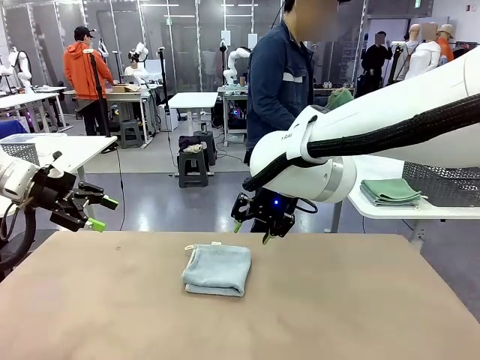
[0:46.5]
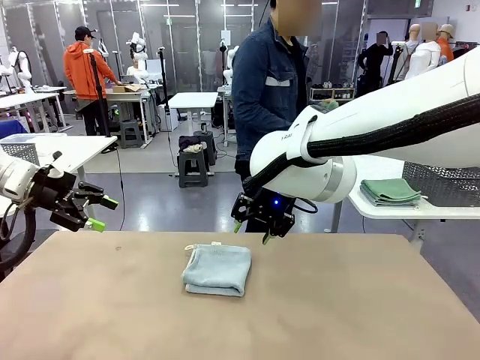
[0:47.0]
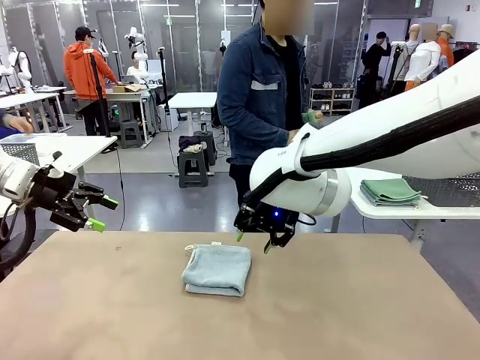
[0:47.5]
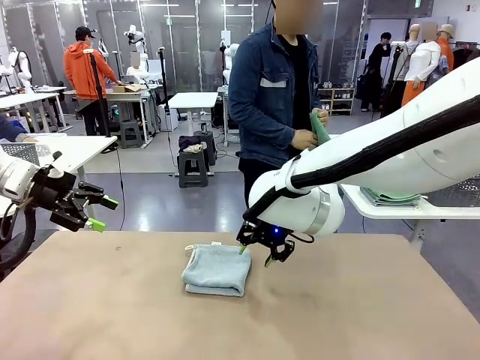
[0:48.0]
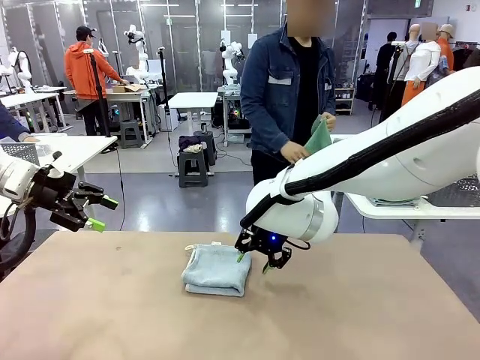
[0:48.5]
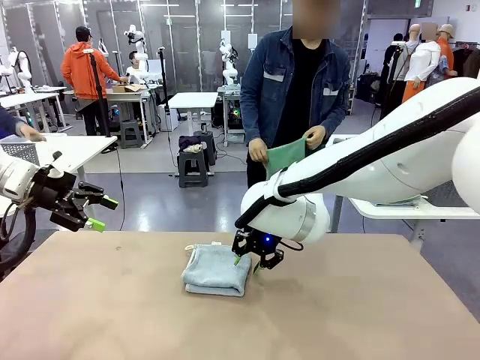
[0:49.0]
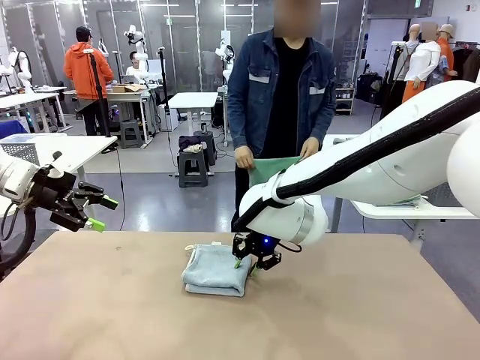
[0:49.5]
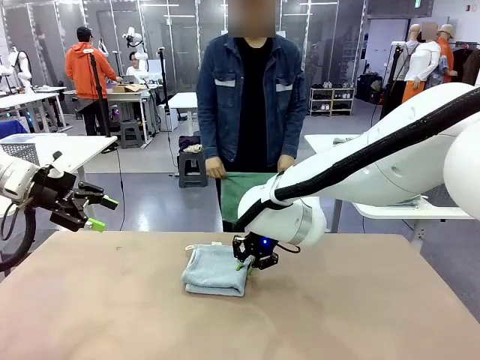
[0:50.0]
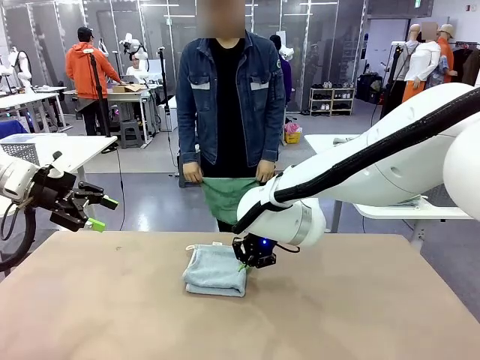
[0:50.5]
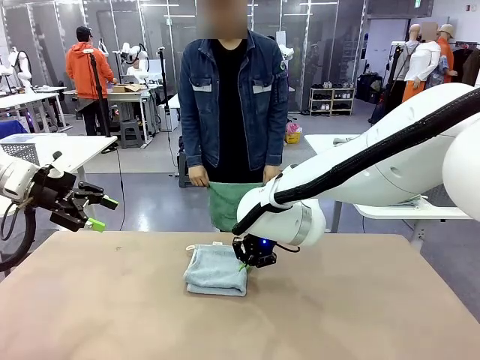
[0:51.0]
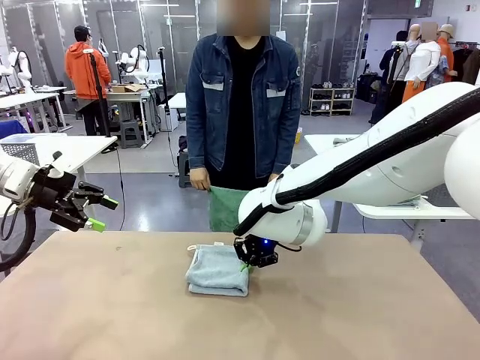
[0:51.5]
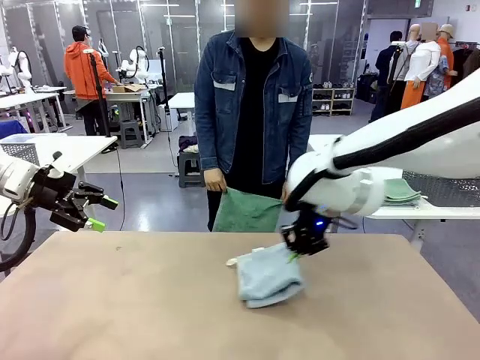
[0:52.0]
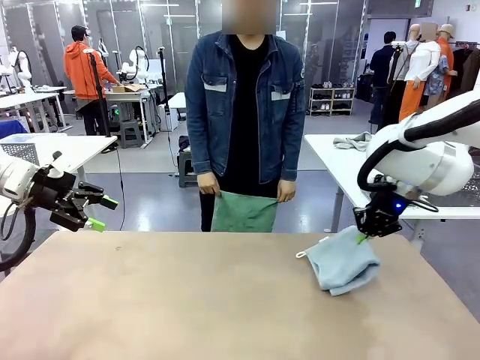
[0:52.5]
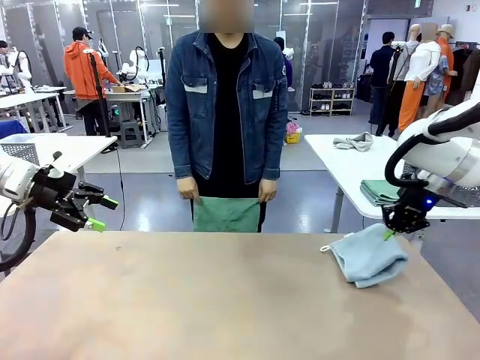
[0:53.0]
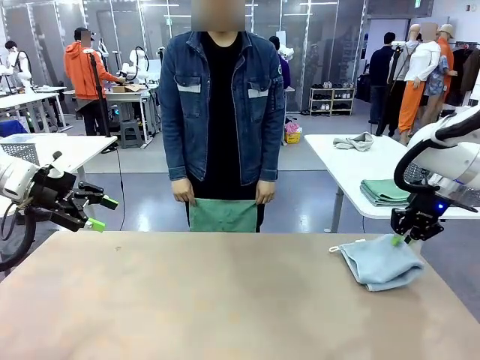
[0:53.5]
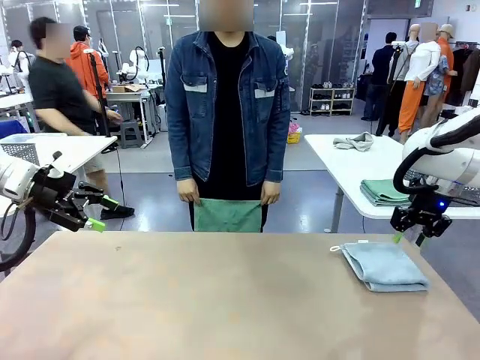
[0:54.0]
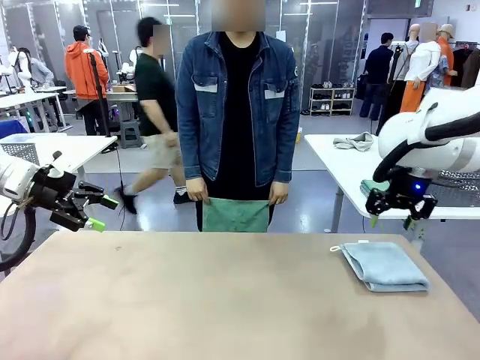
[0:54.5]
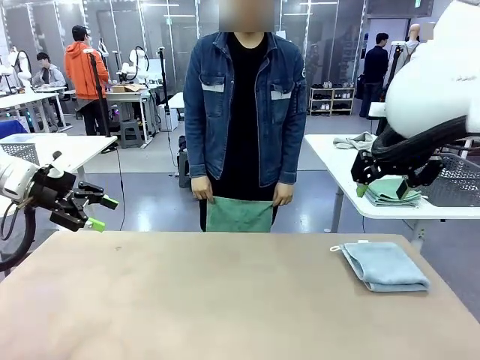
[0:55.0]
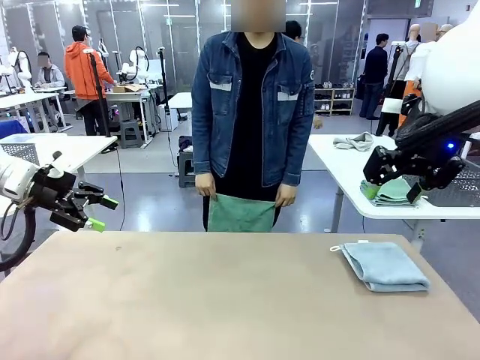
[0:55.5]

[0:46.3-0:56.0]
Task: Fold the towels and place them in the basket.
Robot: Place the folded Towel with hook on the right side of the table.
Person: Pick up one towel from the left side of the human table and spread it out at the center of the robot table.

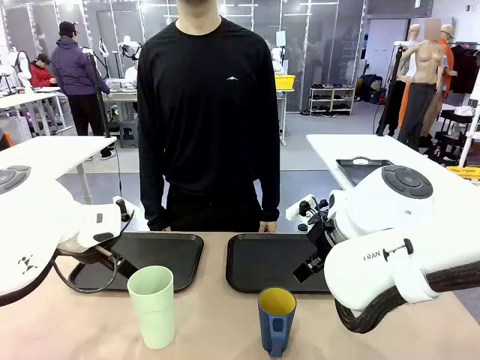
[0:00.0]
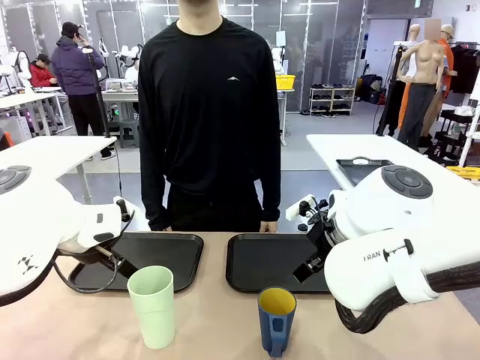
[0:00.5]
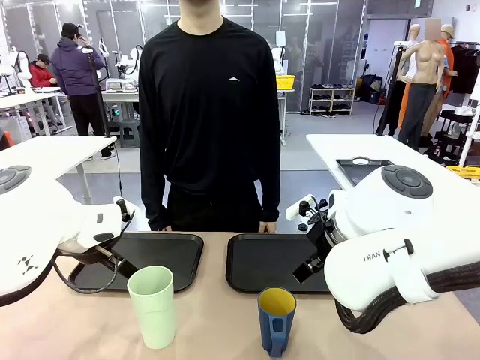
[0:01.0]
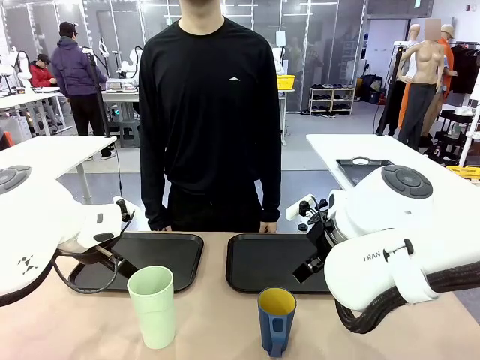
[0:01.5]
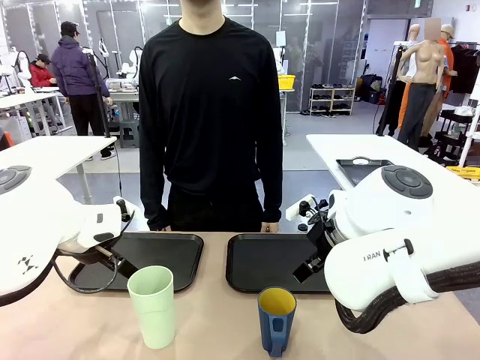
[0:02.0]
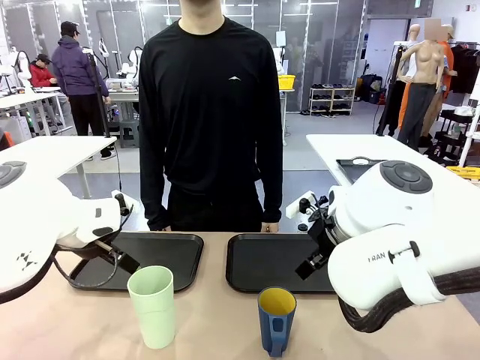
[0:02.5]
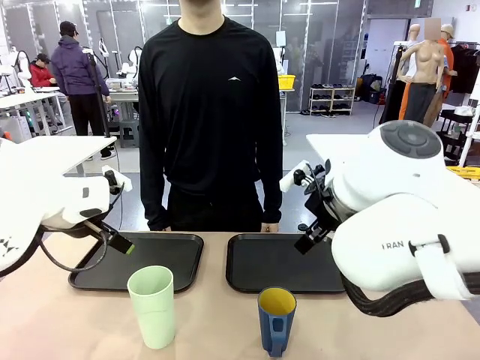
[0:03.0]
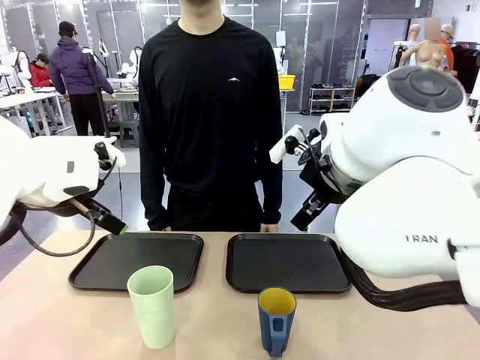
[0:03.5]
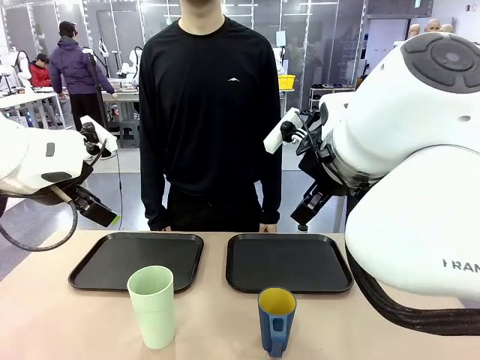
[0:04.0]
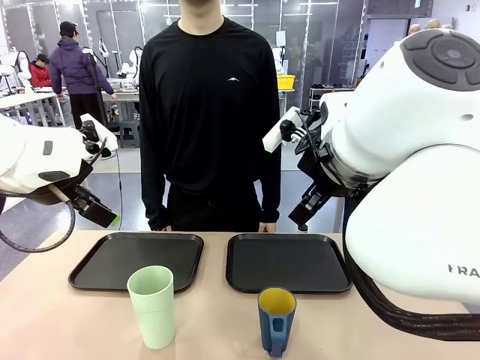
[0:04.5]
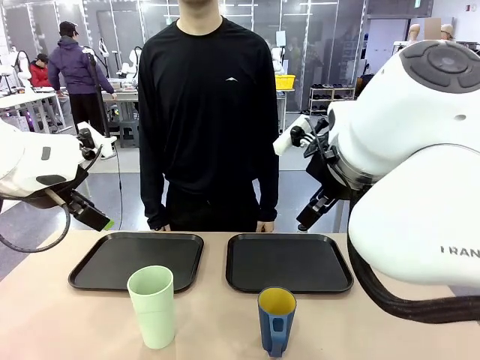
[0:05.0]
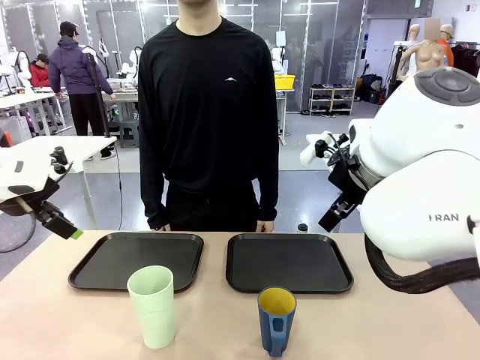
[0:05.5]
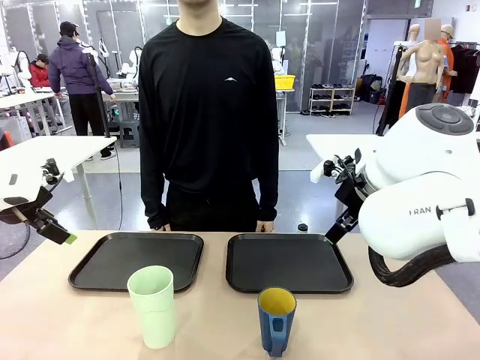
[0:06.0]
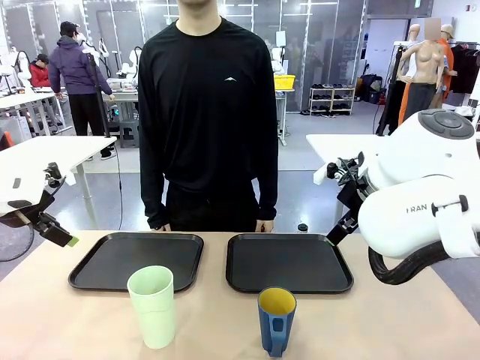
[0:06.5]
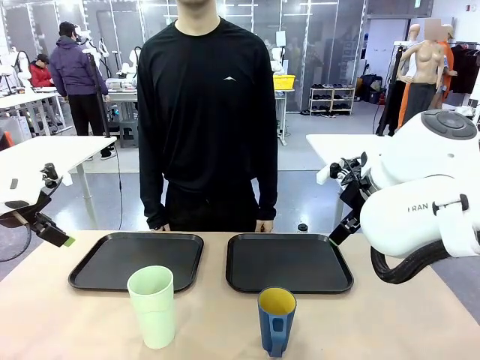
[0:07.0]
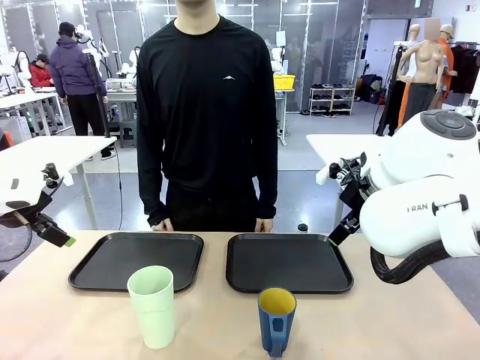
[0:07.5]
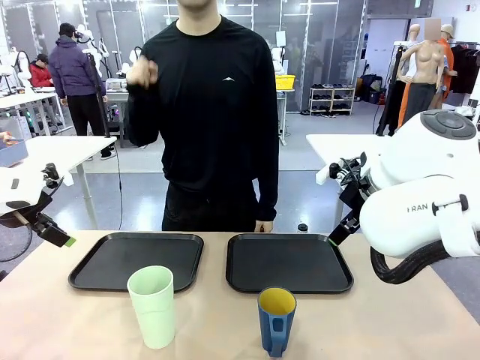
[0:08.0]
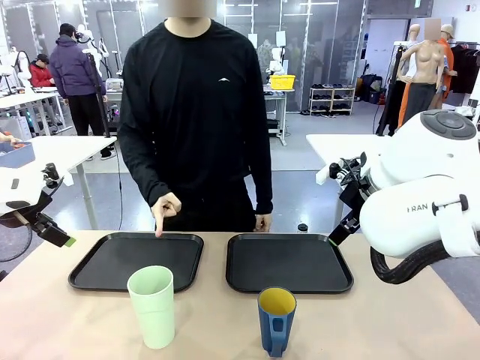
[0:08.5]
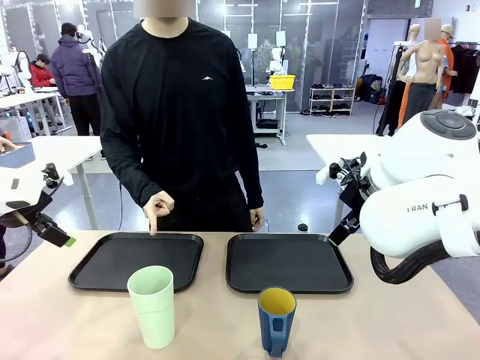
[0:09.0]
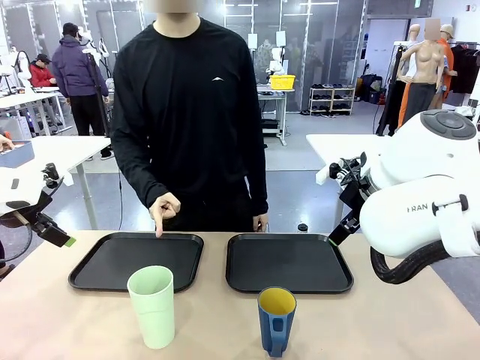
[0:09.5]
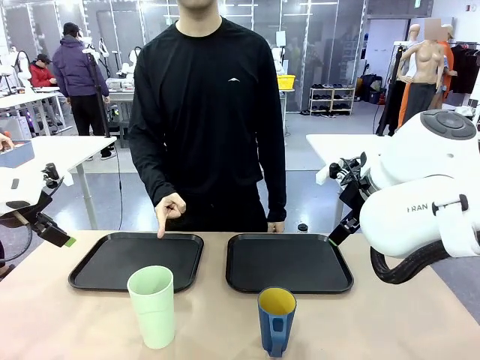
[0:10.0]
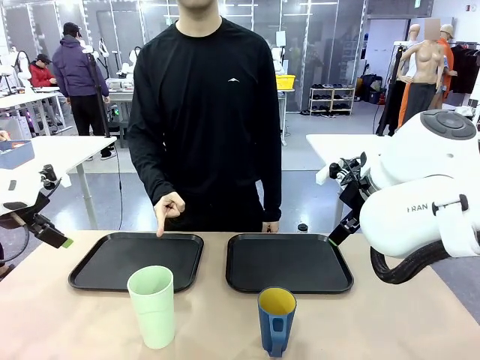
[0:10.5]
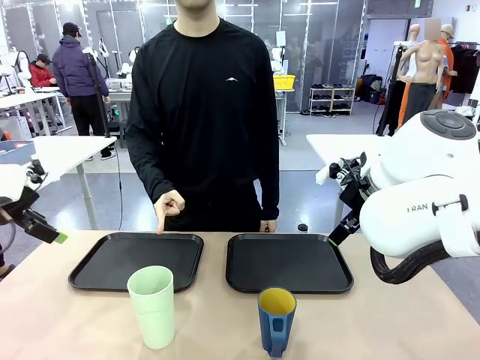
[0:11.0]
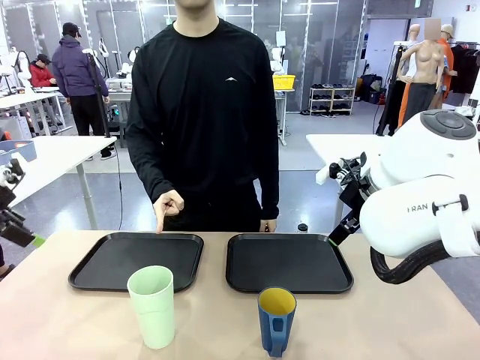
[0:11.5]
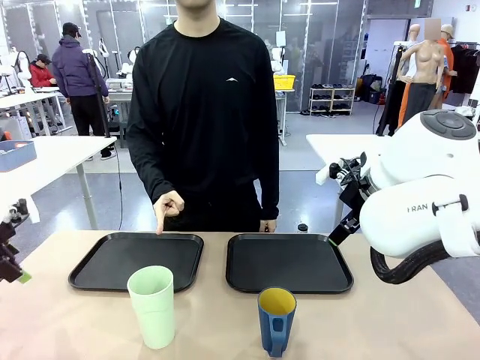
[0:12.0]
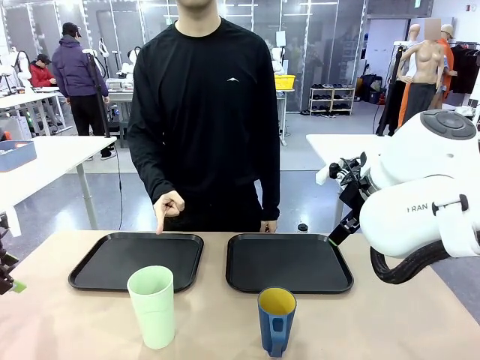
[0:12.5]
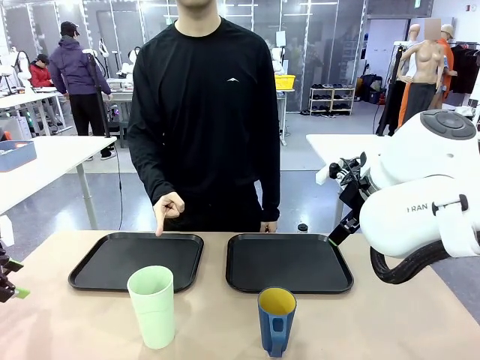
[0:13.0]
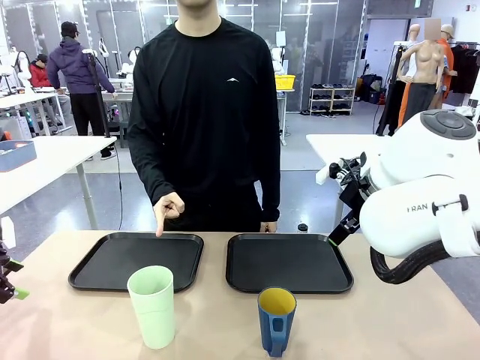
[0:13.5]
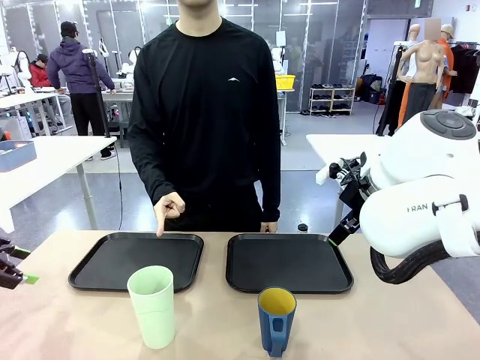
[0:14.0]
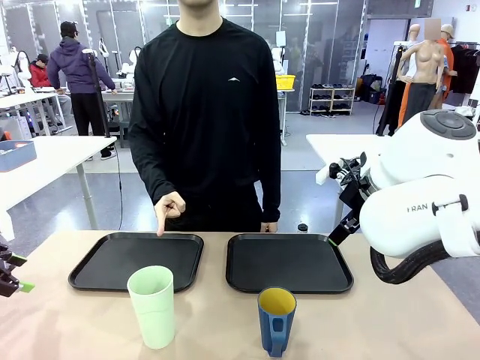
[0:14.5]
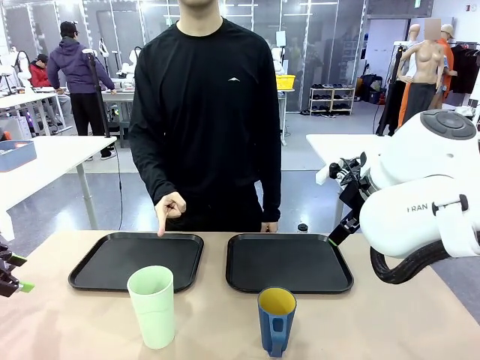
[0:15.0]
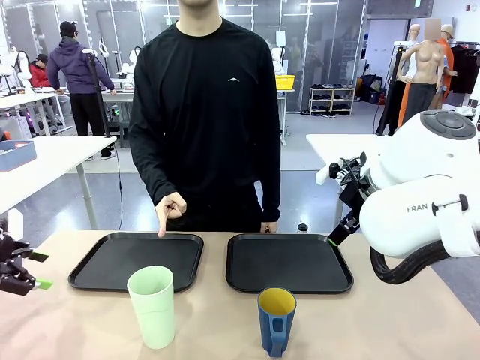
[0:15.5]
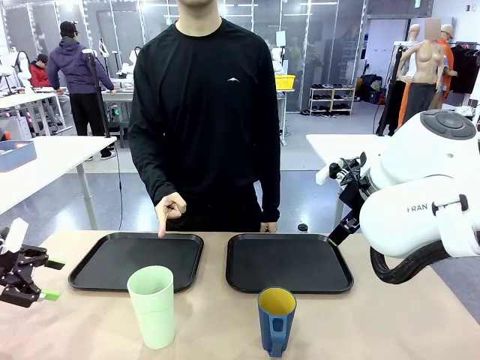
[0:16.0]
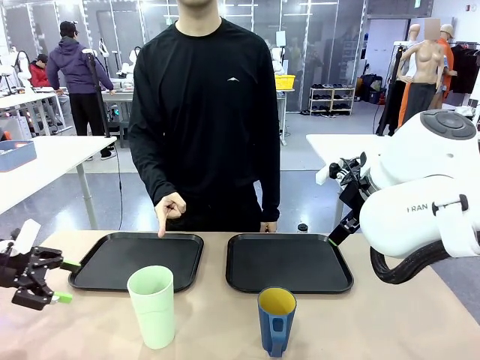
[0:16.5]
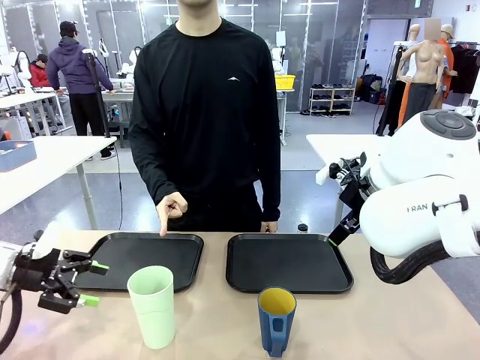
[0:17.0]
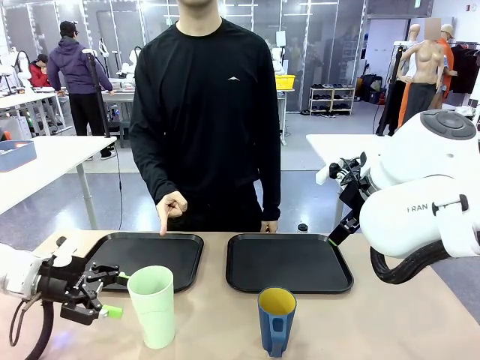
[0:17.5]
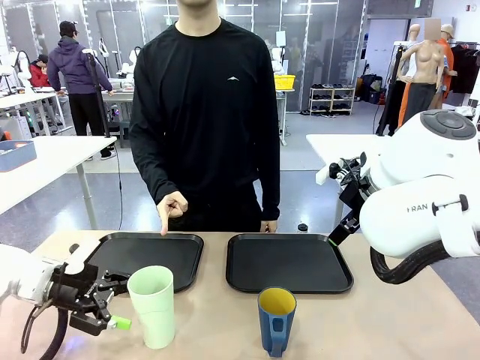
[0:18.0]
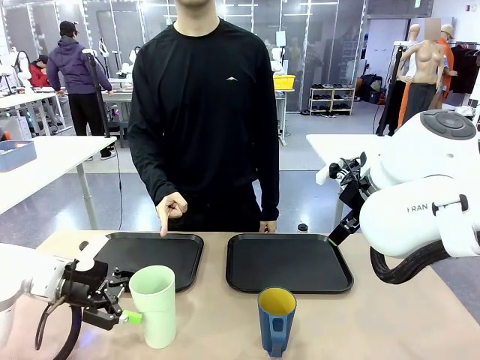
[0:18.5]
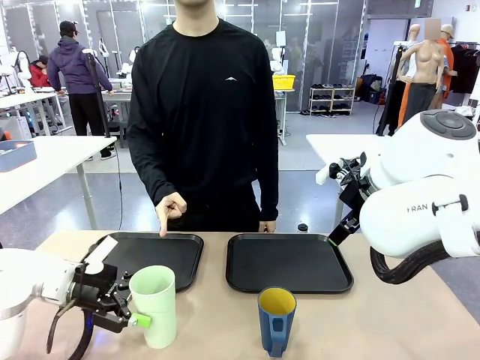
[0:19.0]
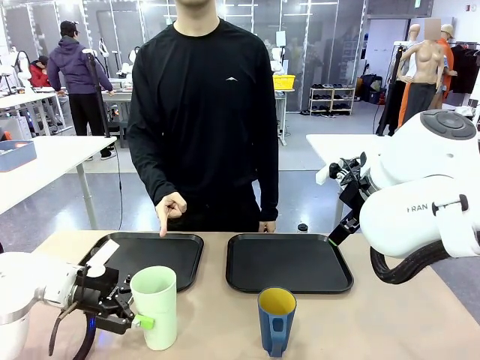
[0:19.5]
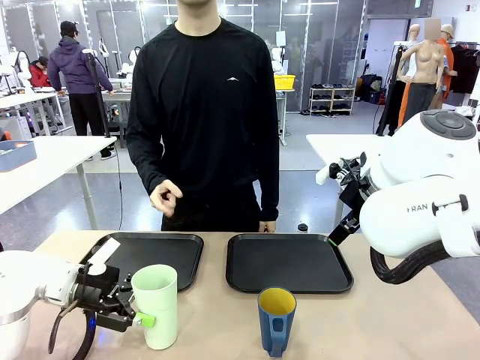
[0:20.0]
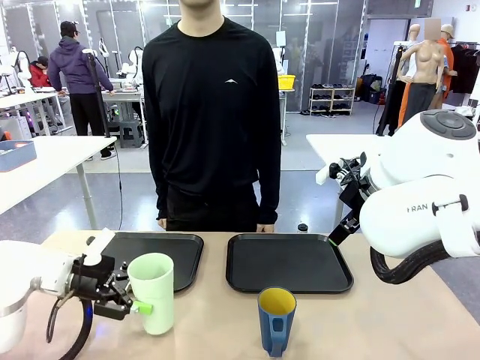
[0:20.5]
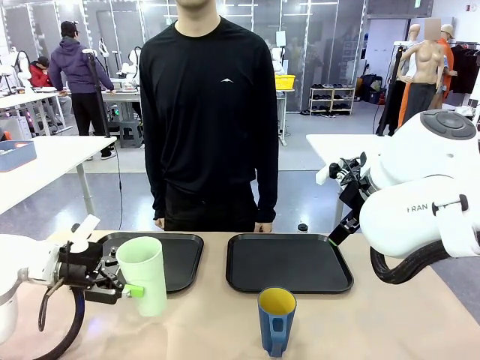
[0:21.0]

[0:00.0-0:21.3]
Task: Sort and store the cups by type.
Robot: Pick up the Reusable plastic cup.
Person: Points to the reusable cup. Point to one of the two trays.
